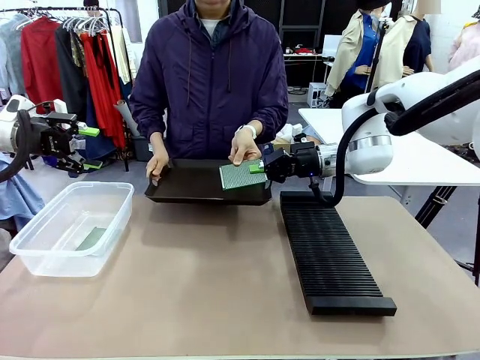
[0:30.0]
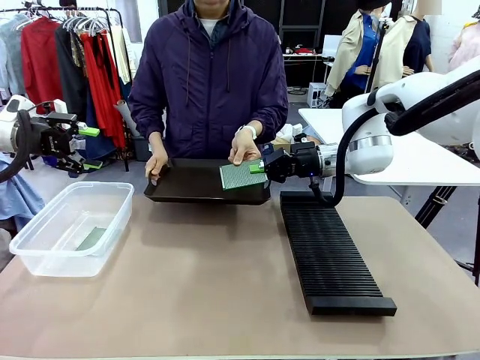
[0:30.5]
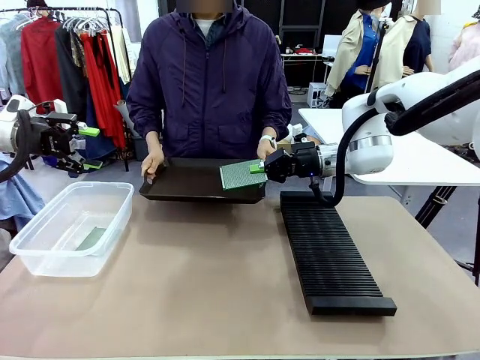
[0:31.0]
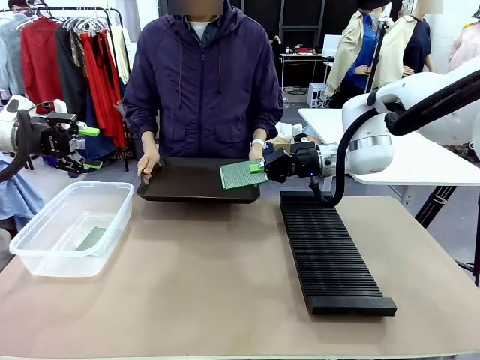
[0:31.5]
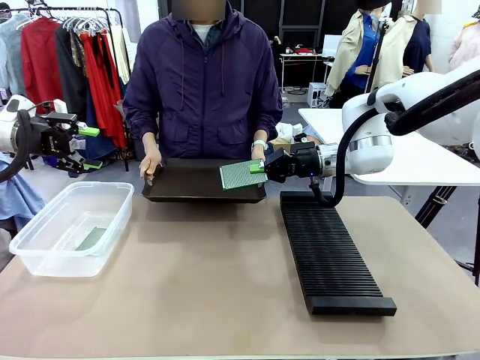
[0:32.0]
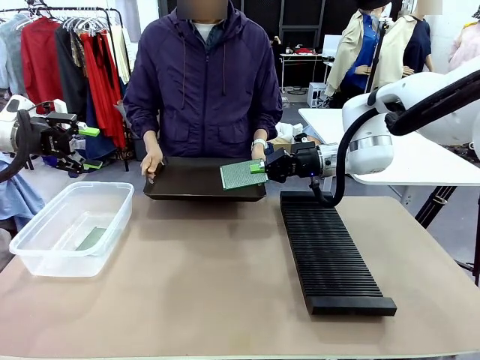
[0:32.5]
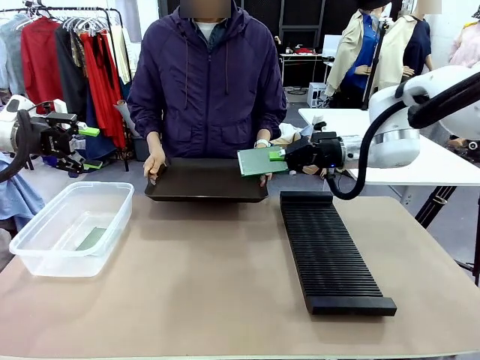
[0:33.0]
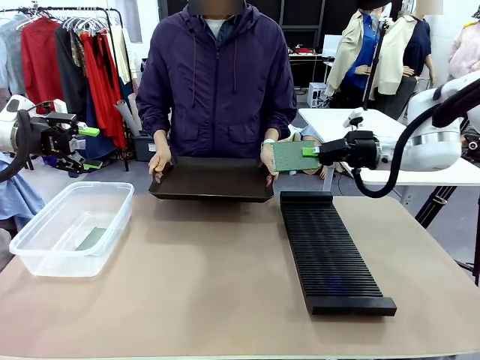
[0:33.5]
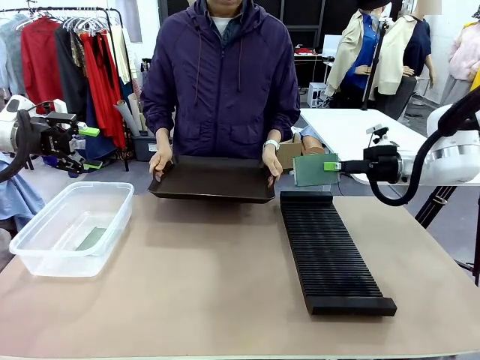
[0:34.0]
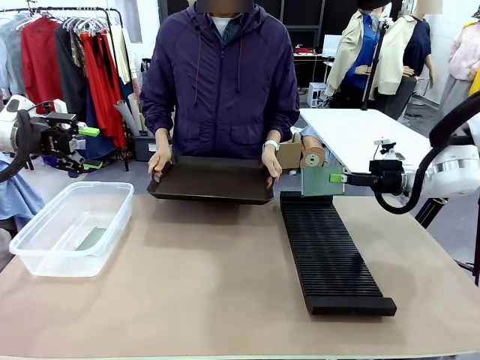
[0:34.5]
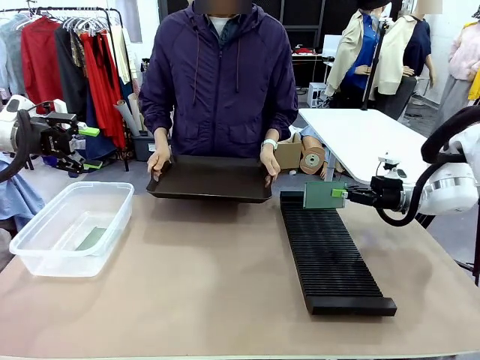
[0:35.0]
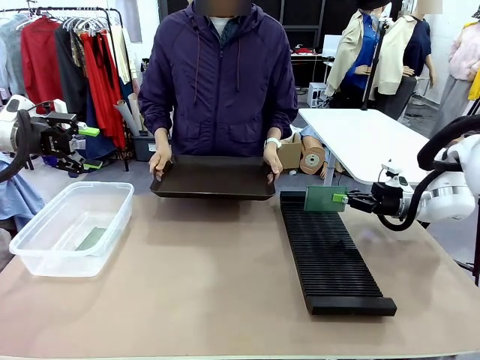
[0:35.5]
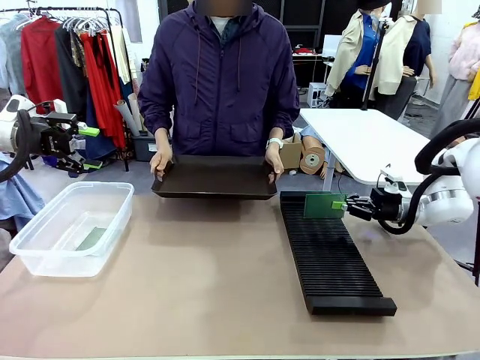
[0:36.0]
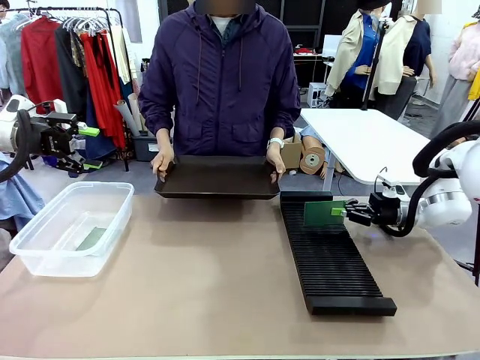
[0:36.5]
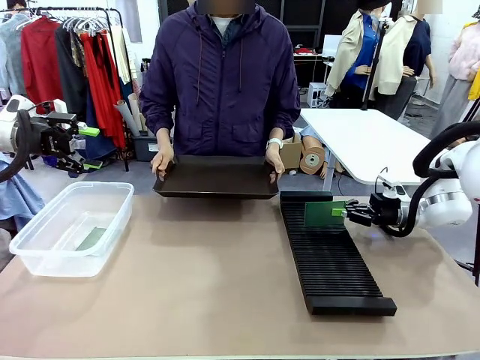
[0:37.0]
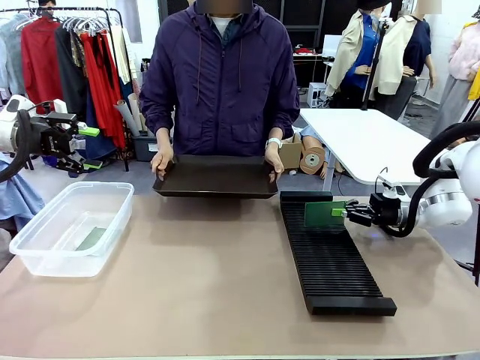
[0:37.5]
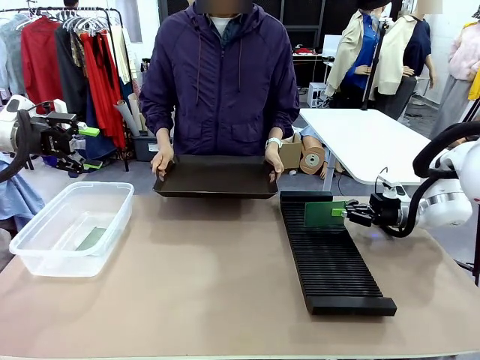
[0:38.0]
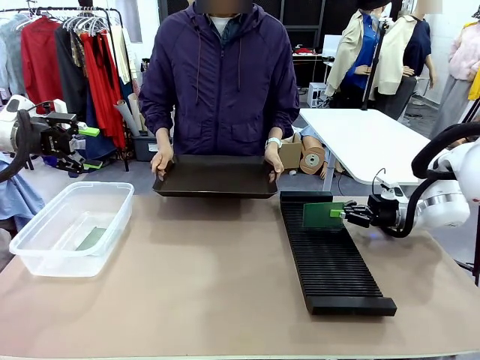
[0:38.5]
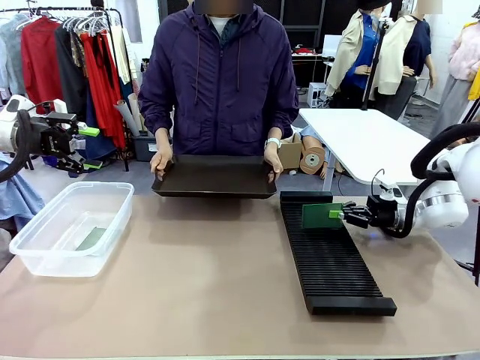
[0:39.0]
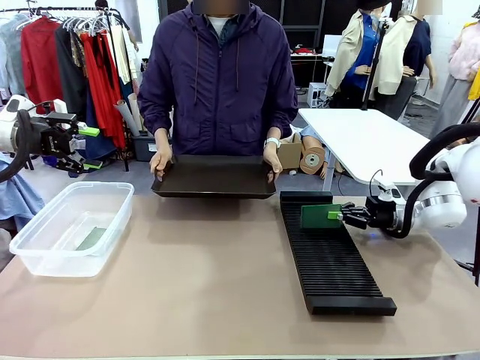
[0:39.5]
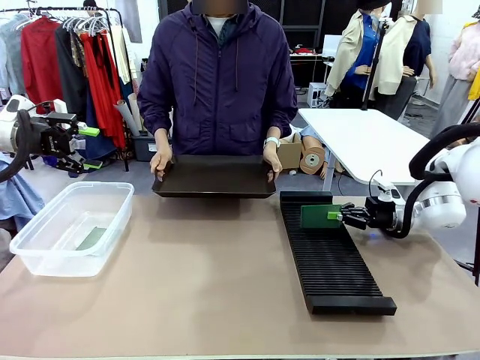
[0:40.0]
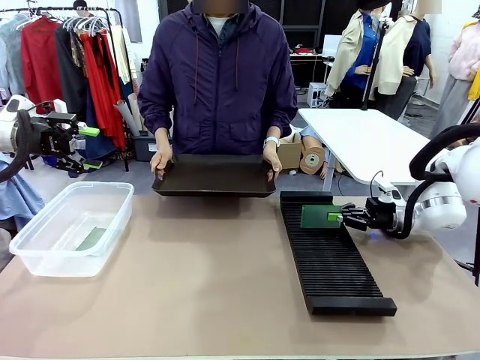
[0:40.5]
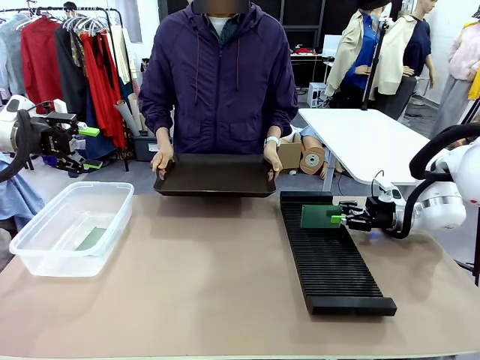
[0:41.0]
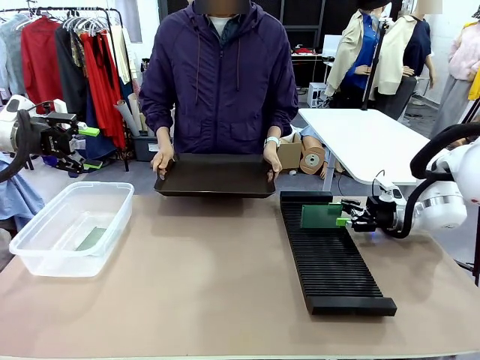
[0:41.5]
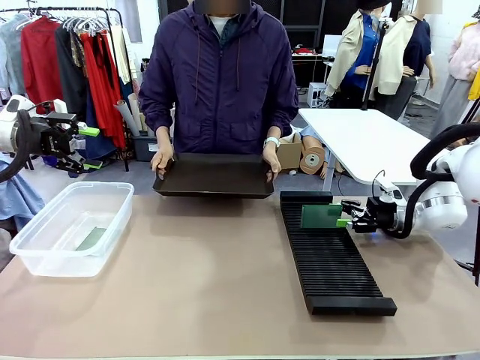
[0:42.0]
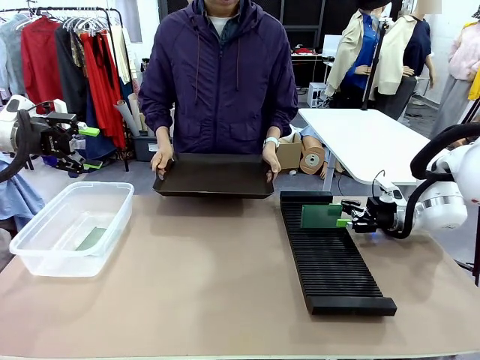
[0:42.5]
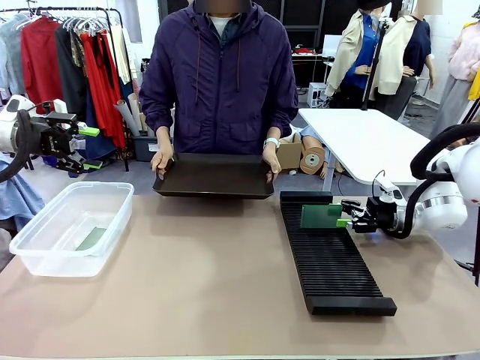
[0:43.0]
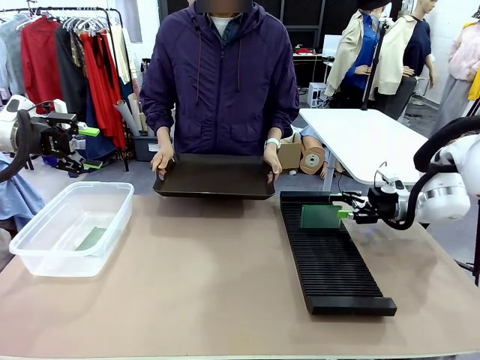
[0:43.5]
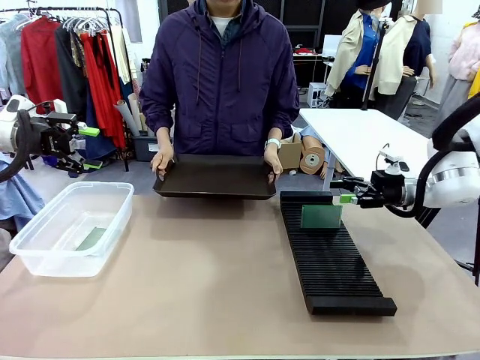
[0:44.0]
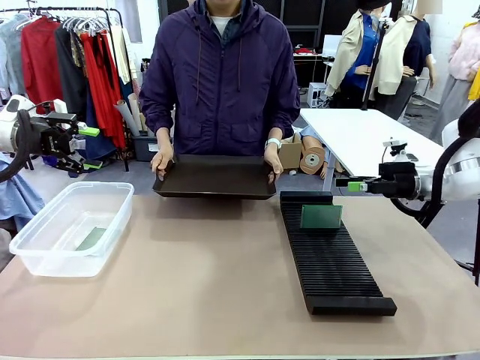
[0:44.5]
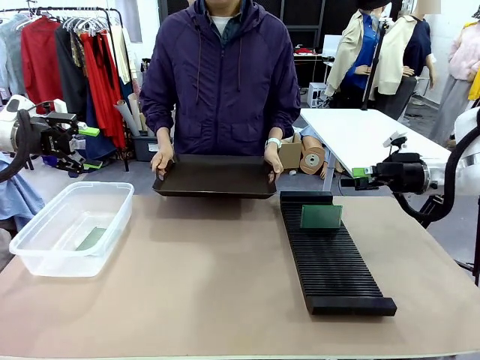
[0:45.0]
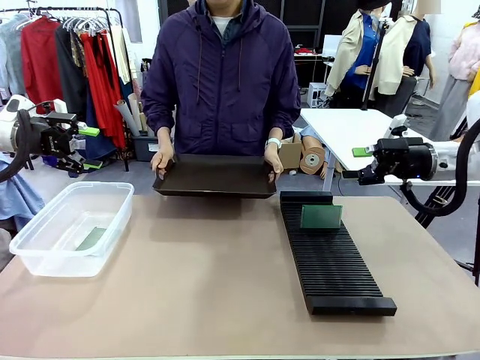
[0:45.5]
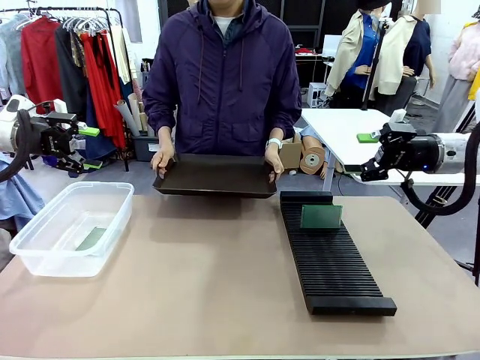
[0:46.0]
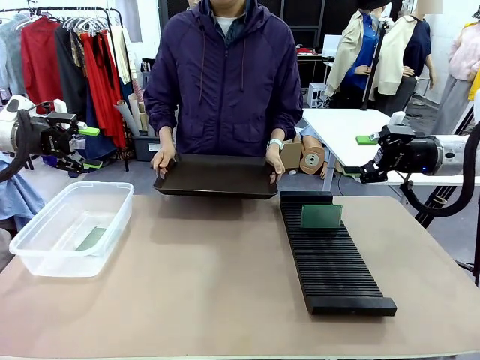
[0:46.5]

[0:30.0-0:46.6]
Task: Sort PCBs into racks and boxes based on the side picked up.
Robot: If the short side of the Blank PCB is picked up, insert it into the PCB Rack ; if the long side is picked up, place it in the Organizing box.
Person: Release the PCB being held.

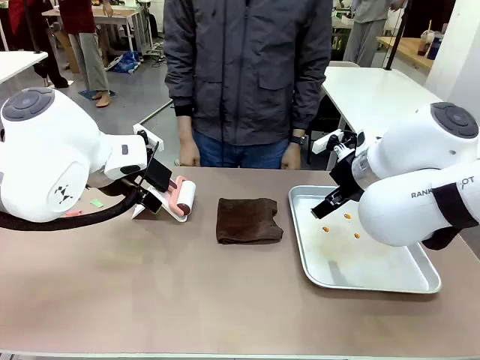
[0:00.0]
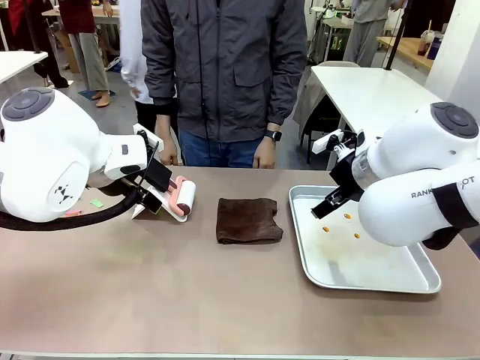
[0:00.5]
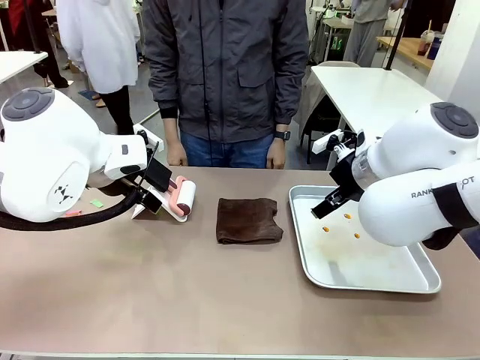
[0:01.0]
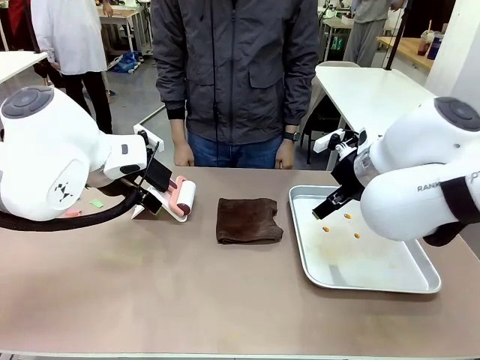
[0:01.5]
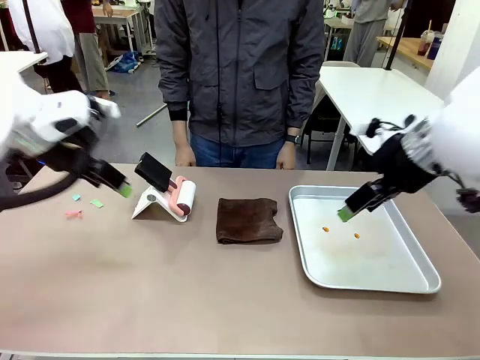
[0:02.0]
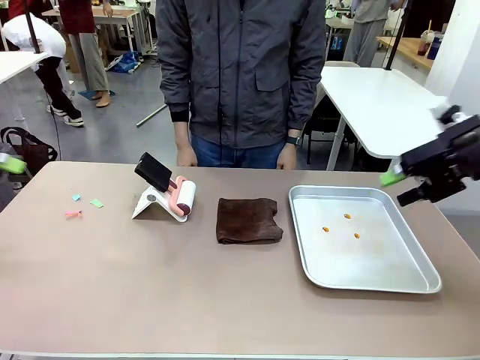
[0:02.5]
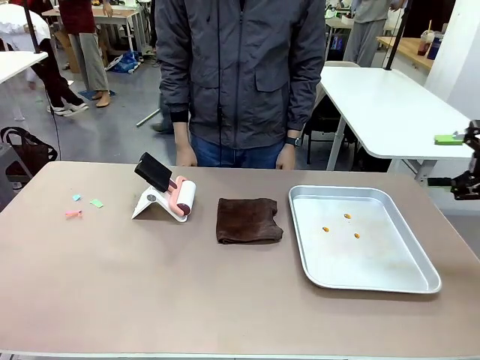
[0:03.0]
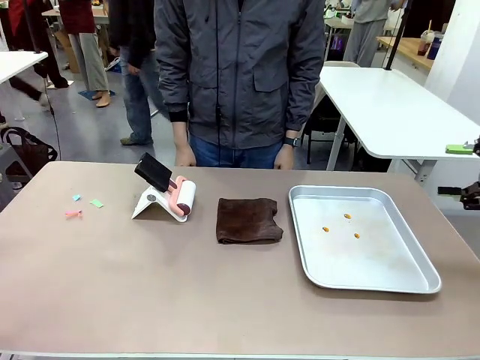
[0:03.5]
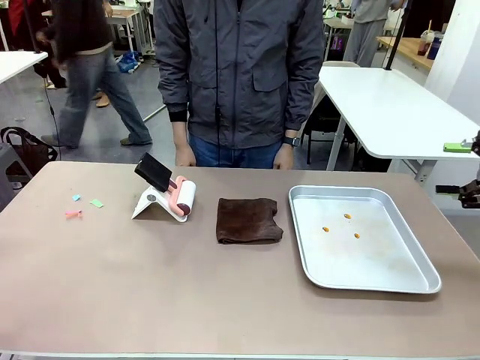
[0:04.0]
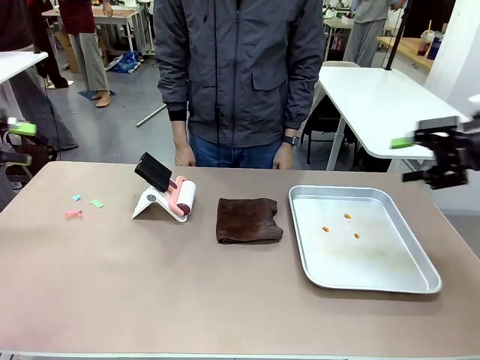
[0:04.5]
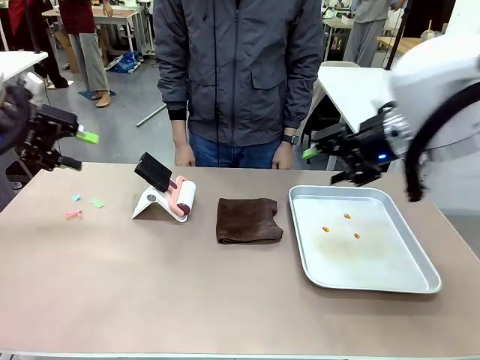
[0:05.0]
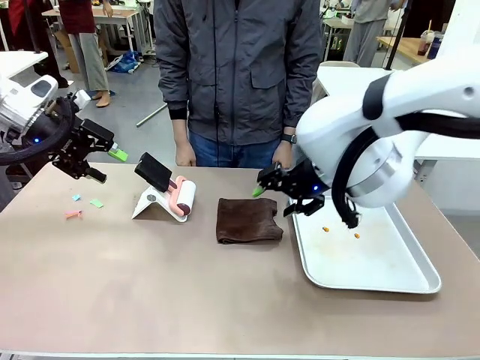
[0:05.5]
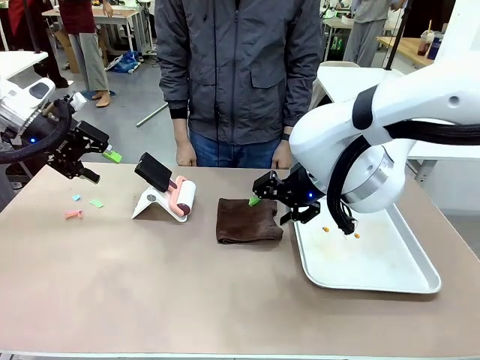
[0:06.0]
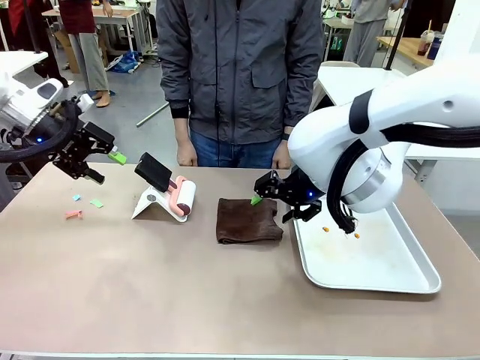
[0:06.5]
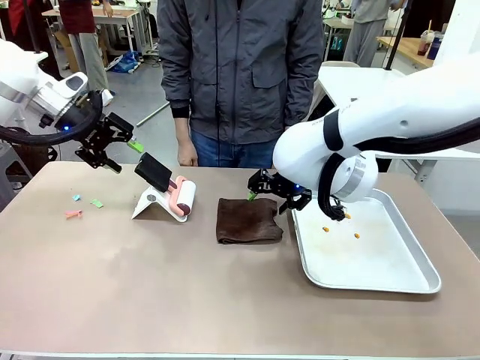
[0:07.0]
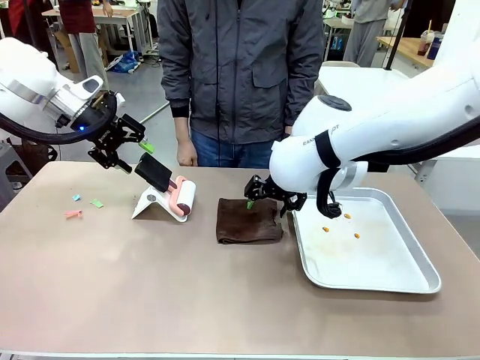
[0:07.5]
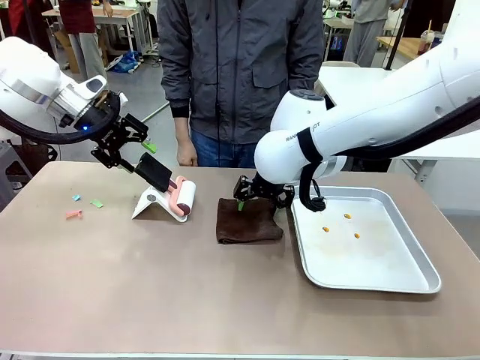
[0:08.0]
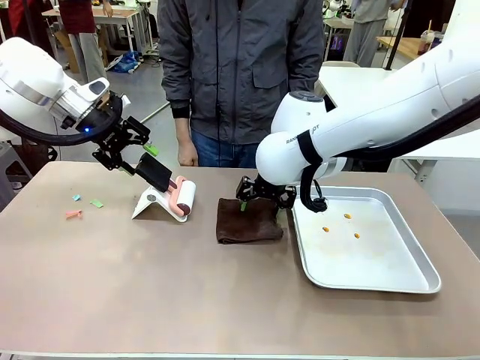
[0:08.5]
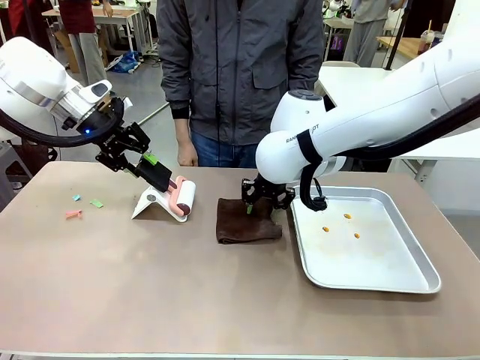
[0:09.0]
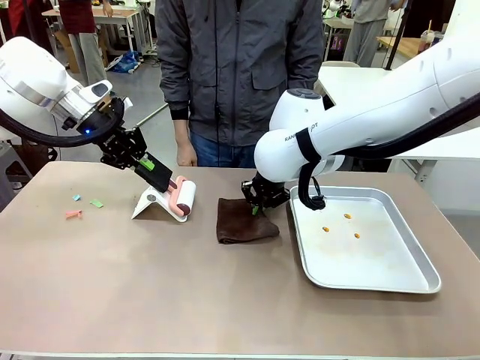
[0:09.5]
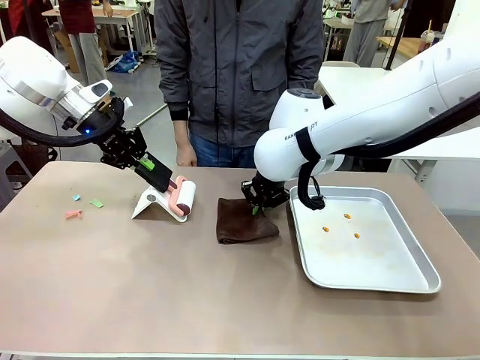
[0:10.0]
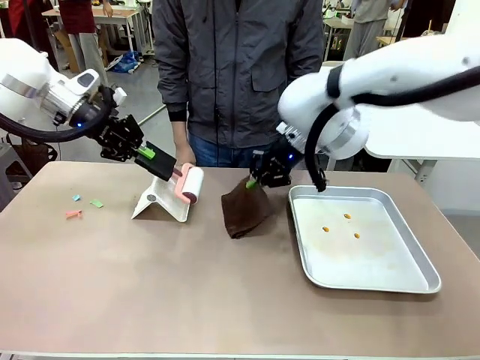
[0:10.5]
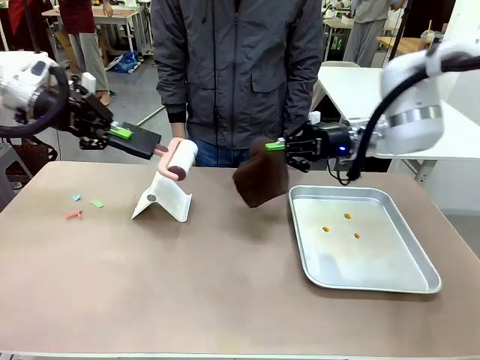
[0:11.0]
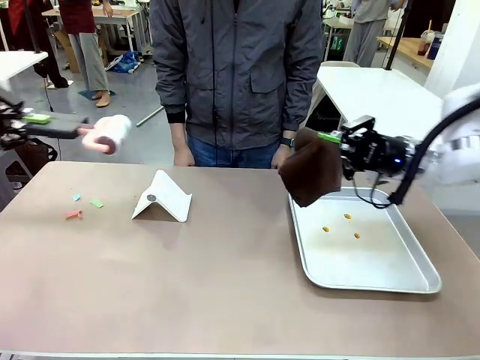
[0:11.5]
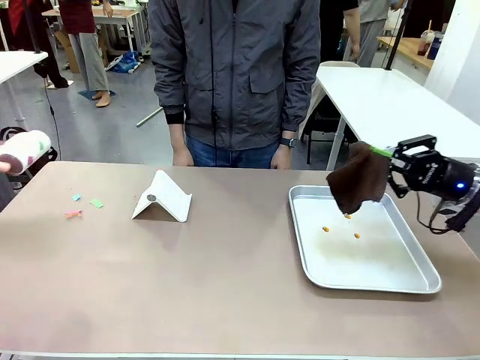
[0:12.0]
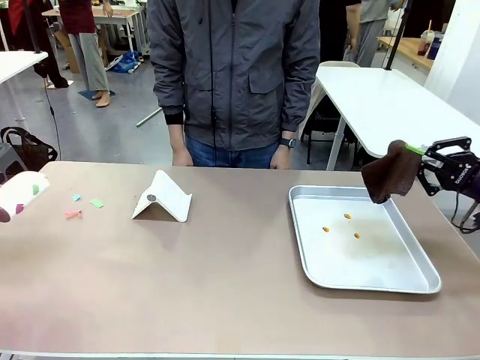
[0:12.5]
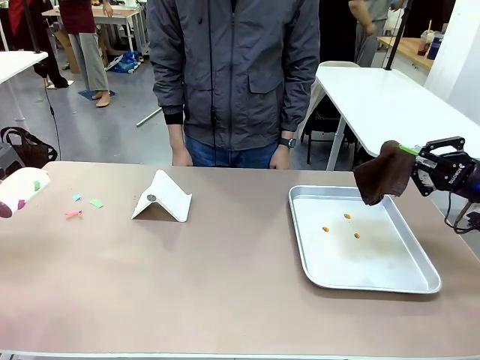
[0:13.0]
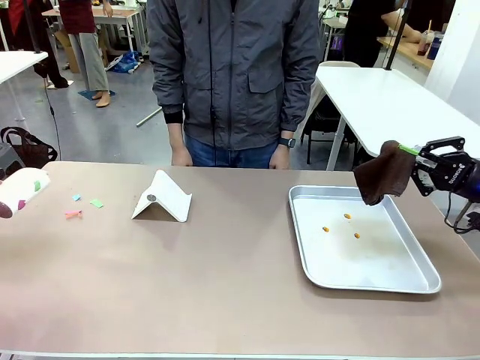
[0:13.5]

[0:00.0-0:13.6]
Task: Clean the surface of the table.
Robot: Hold the Lint Roller with your left hand and the towel with your right hand.
